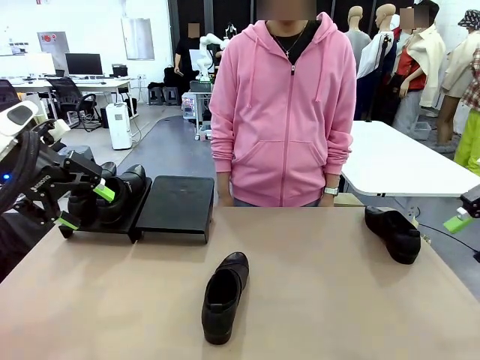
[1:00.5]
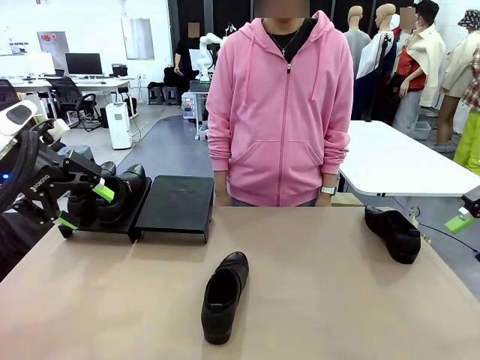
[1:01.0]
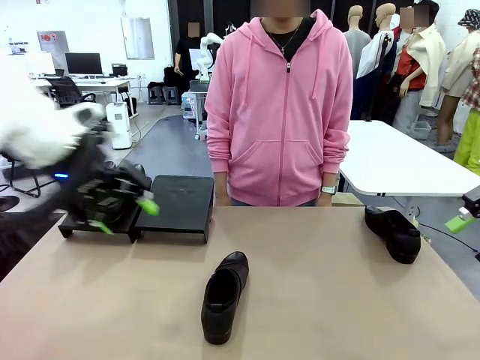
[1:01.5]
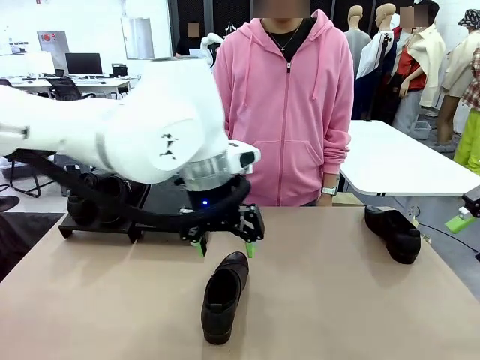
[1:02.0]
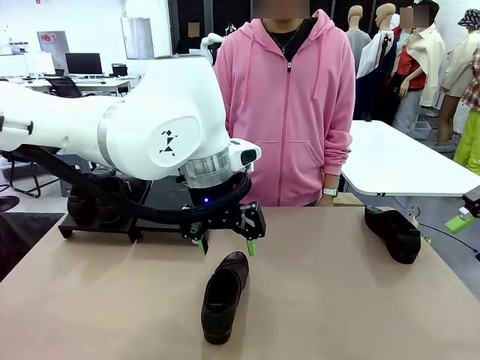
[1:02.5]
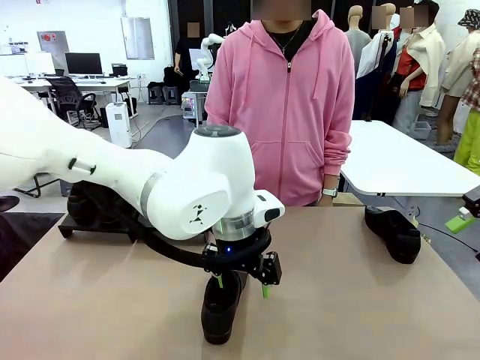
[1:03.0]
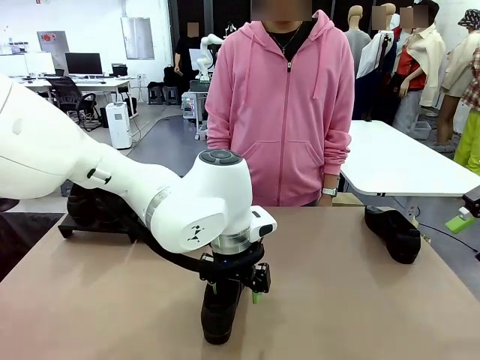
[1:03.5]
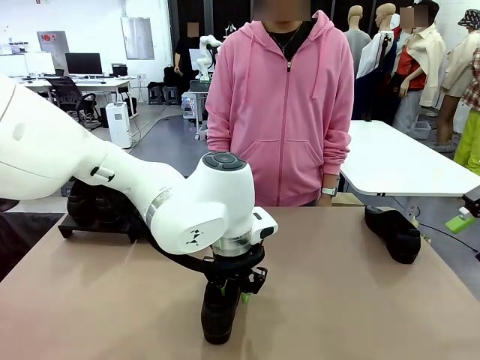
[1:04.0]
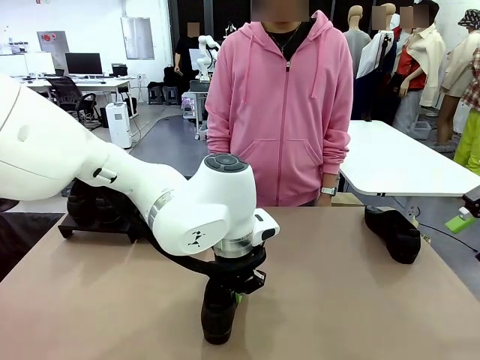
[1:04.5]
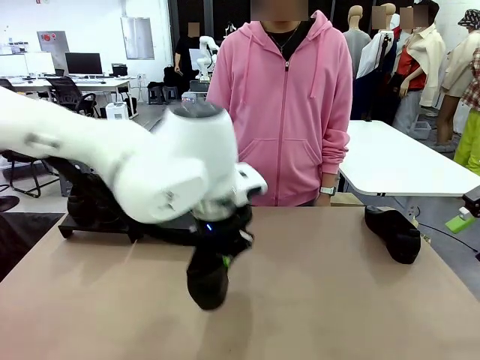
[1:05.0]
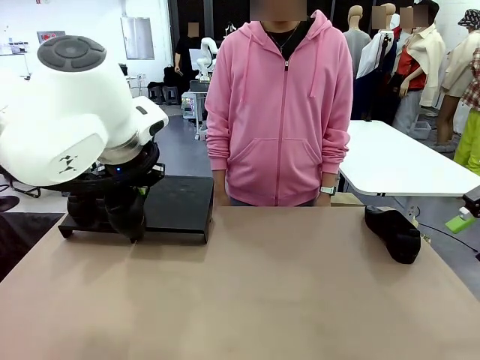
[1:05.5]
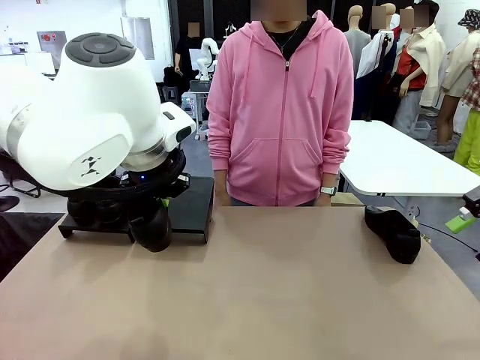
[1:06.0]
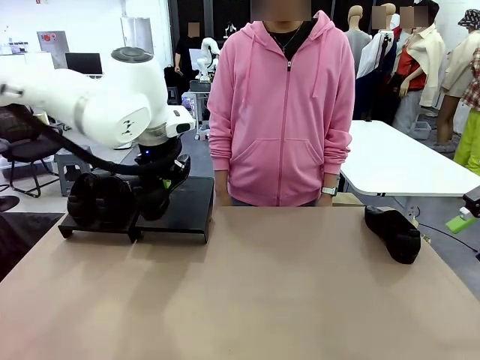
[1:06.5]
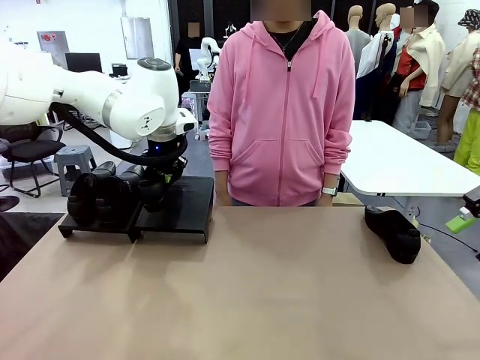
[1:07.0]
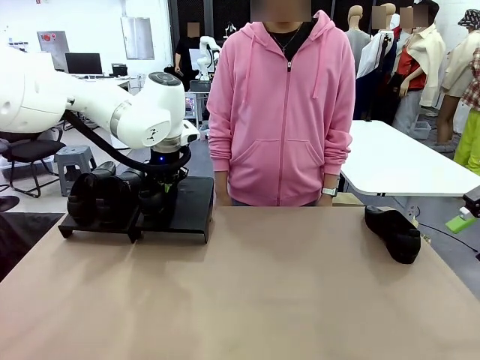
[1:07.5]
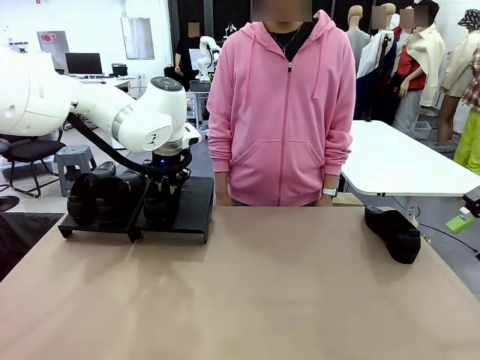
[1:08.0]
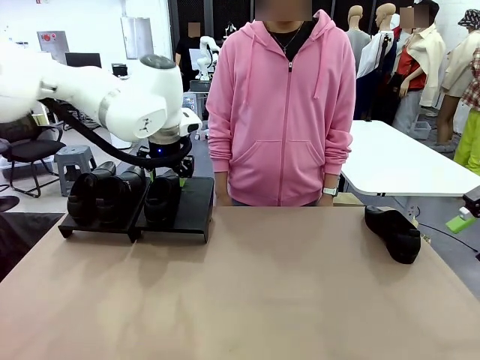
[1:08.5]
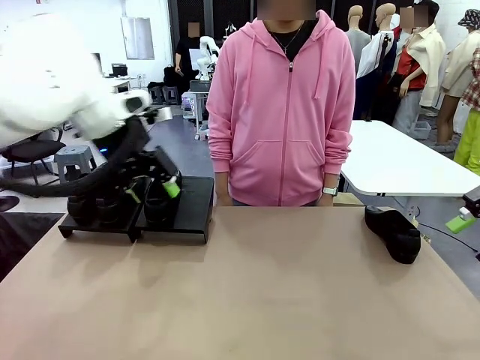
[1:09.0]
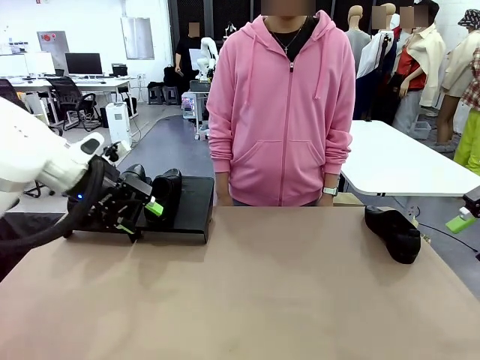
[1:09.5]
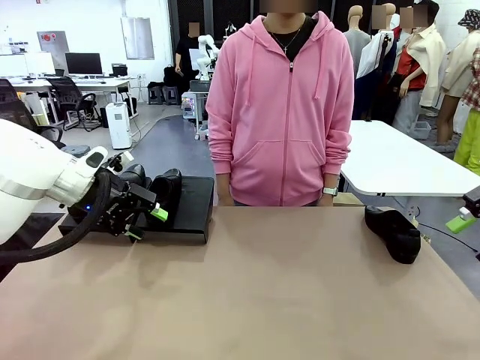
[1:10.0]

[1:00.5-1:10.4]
Task: Organize the shoes by placing them on the stand.
Robot: Place the Shoe from the middle of the table onto the Shoes Stand.

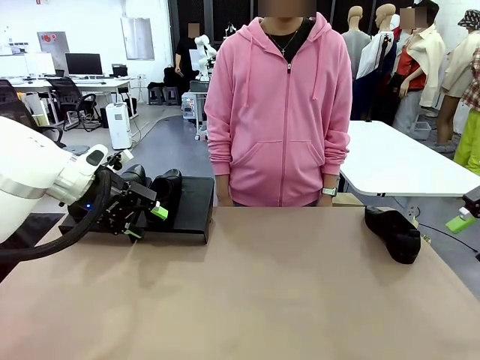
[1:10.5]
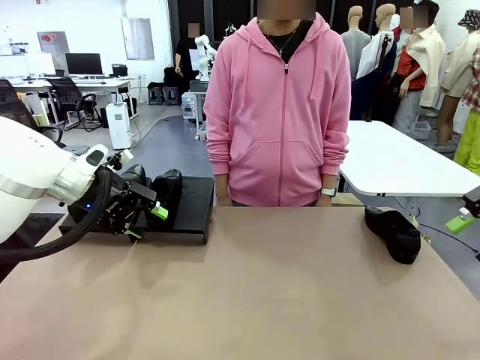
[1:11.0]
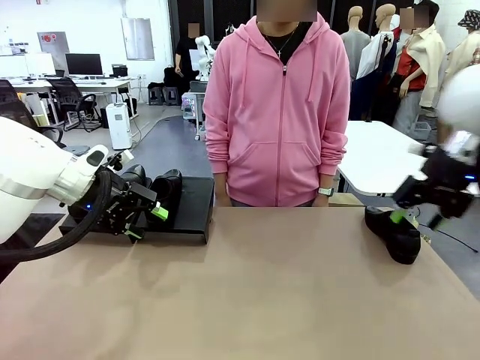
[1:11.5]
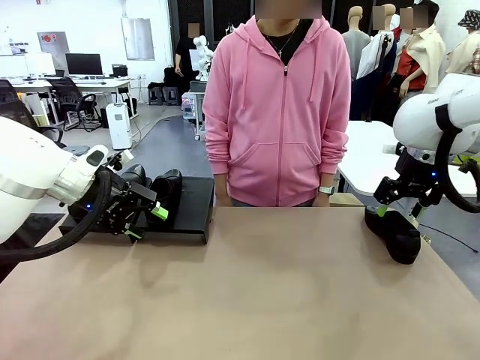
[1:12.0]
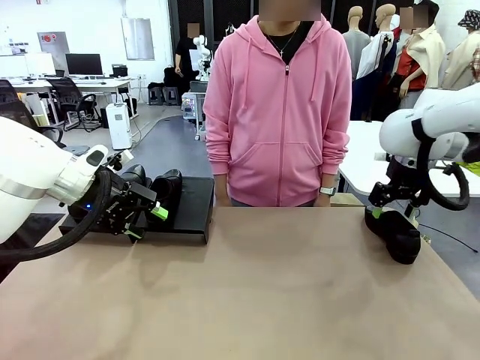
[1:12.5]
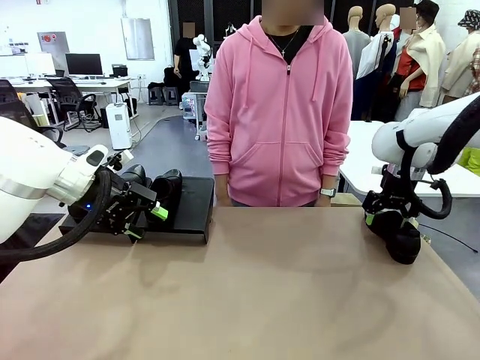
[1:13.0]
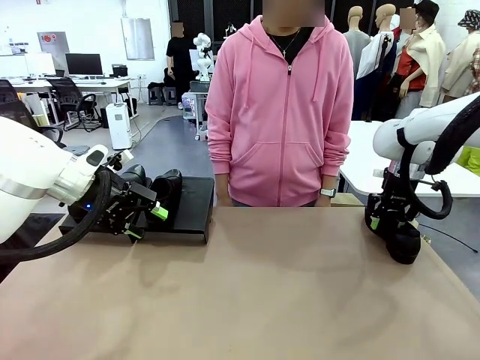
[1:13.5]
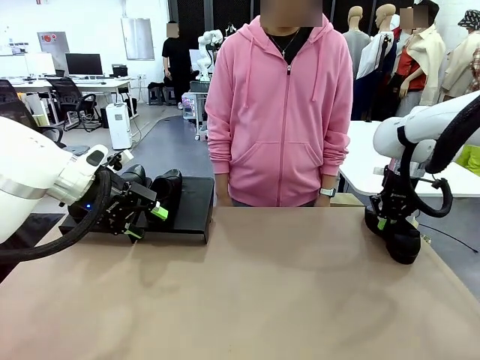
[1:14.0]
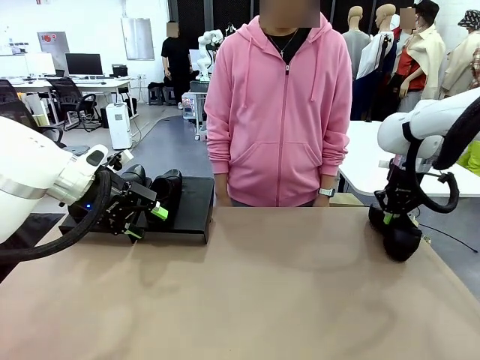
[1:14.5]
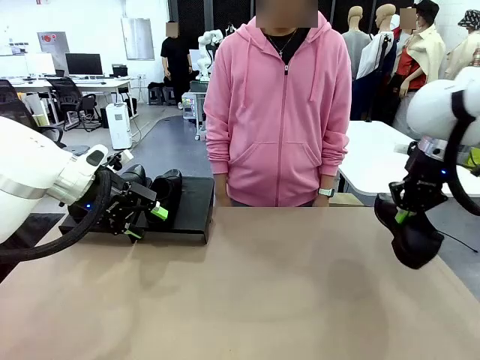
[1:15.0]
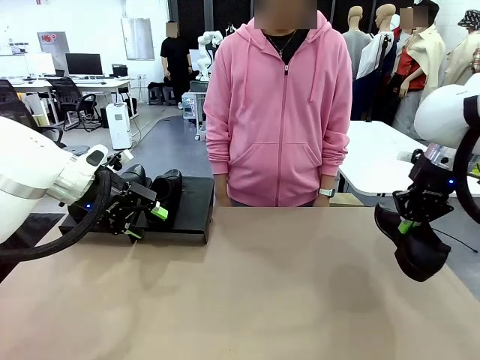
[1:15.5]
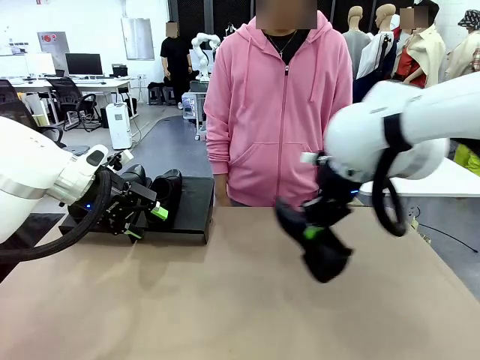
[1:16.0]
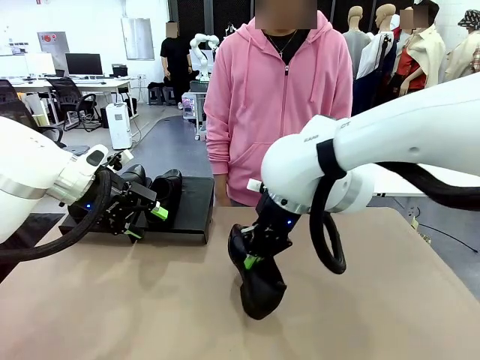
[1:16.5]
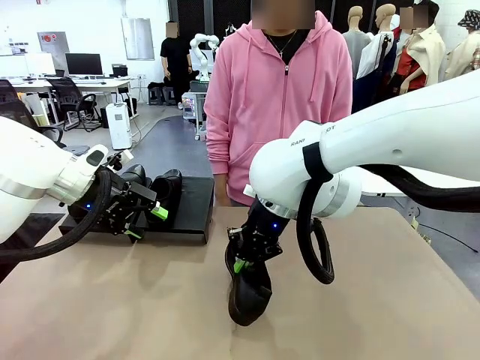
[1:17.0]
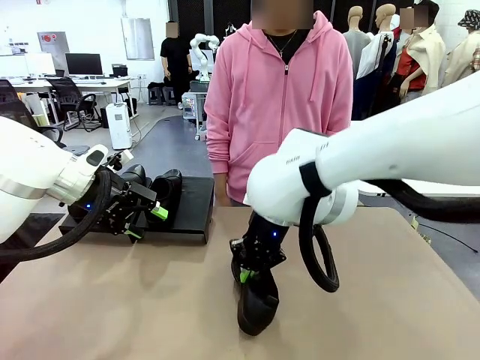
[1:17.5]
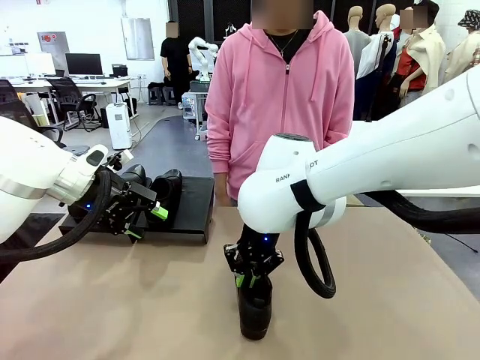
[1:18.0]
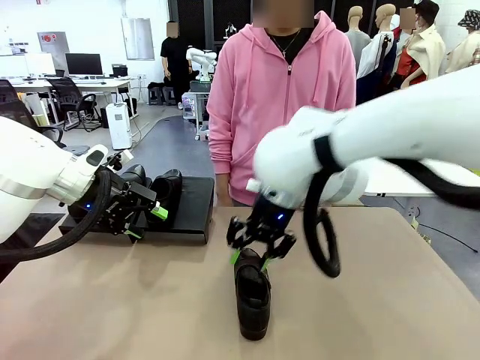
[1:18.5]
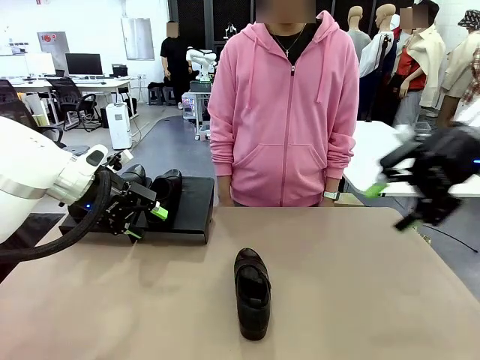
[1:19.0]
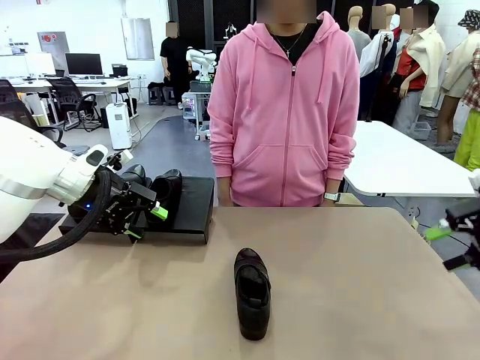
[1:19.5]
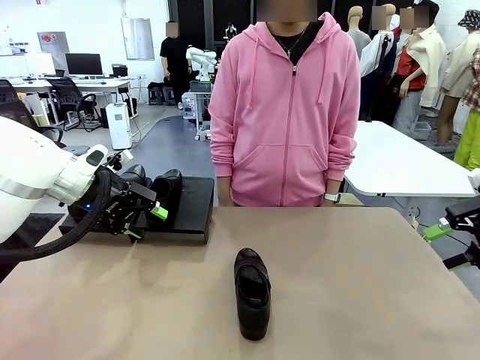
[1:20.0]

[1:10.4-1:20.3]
Robot: Pick up one Shoe and place it in the middle of the table.

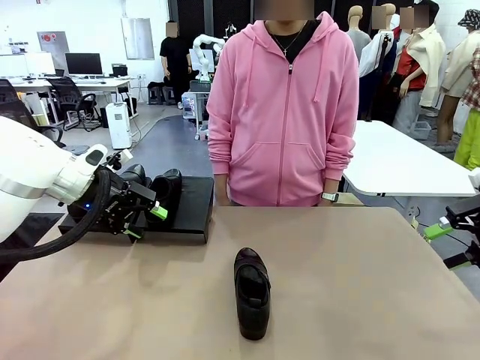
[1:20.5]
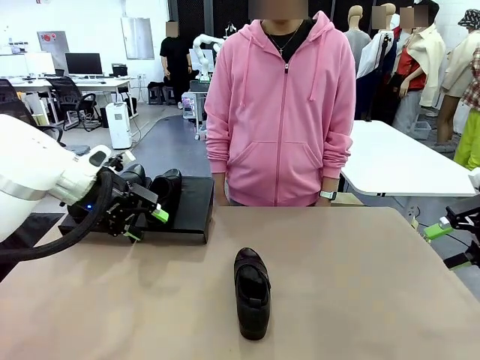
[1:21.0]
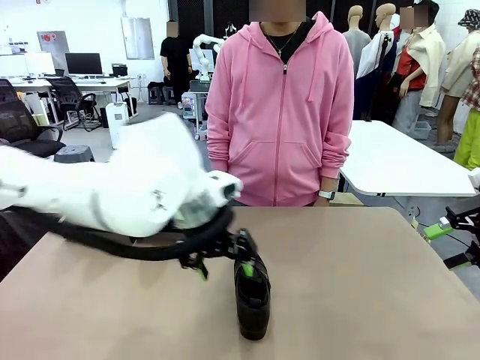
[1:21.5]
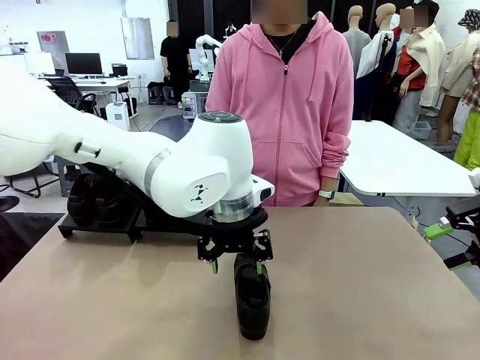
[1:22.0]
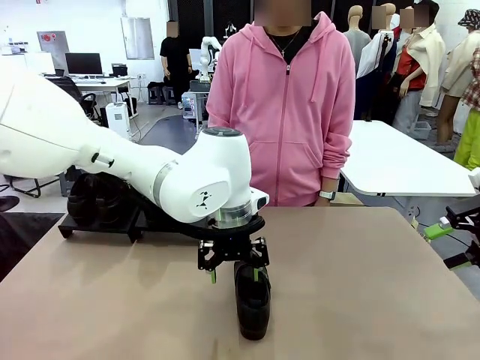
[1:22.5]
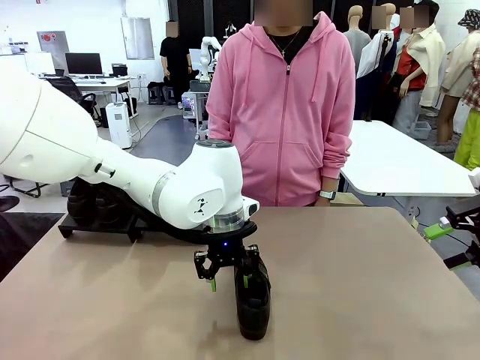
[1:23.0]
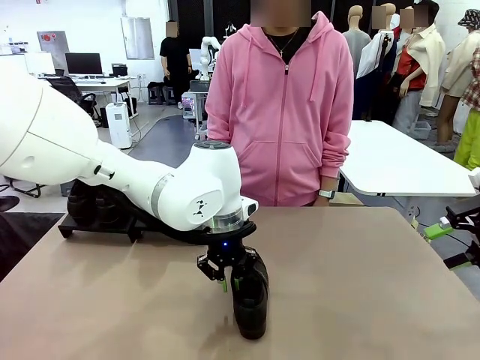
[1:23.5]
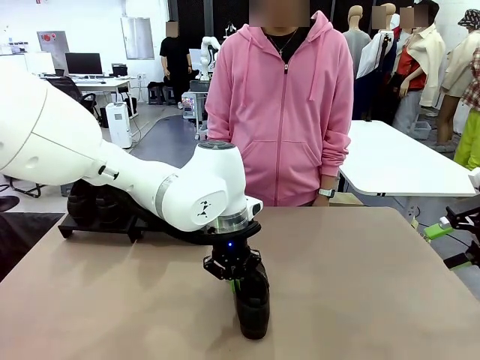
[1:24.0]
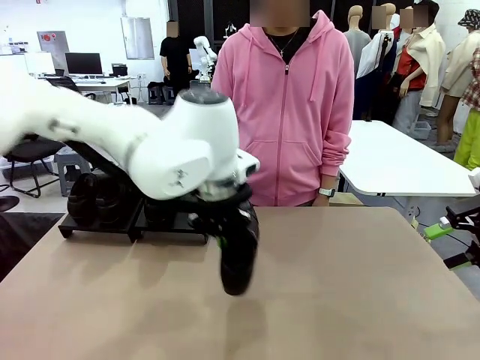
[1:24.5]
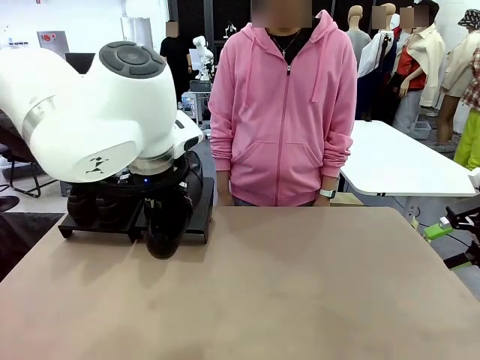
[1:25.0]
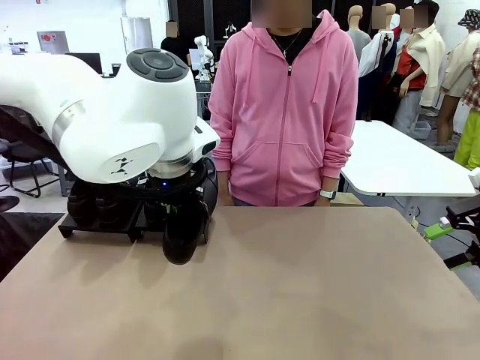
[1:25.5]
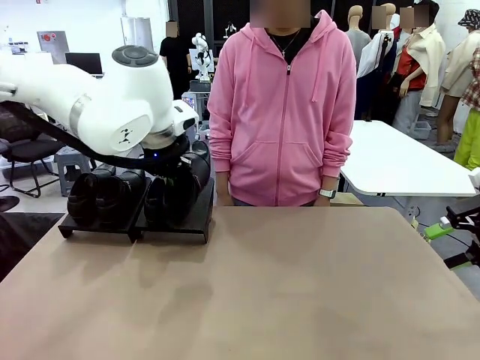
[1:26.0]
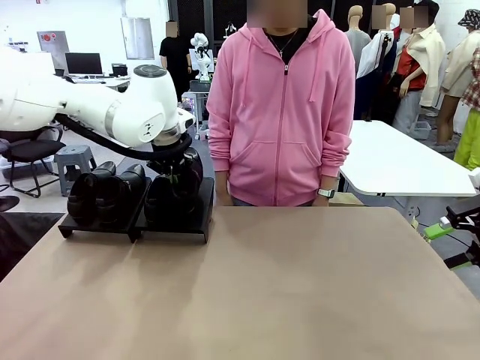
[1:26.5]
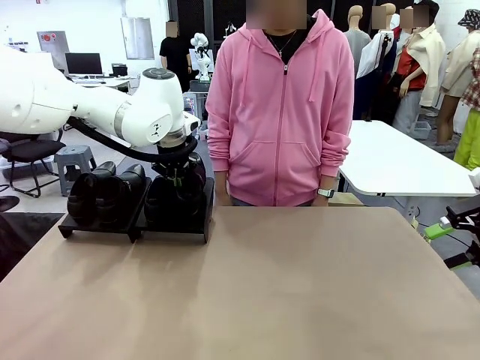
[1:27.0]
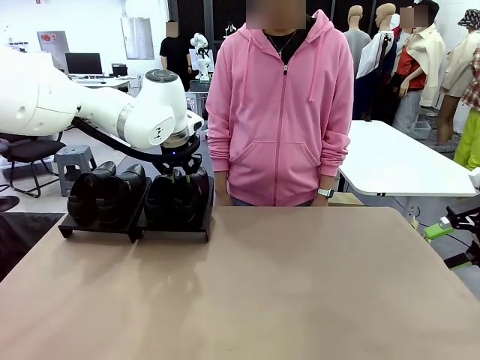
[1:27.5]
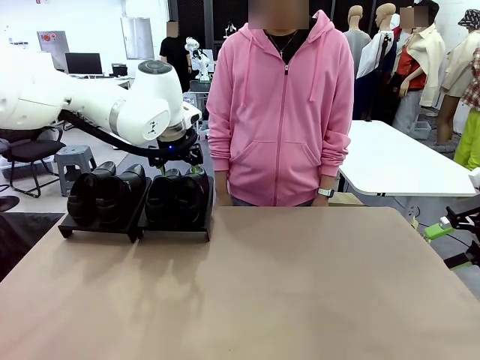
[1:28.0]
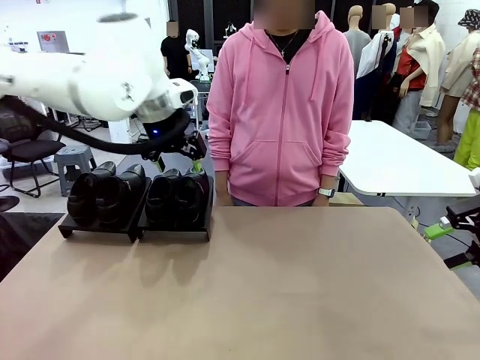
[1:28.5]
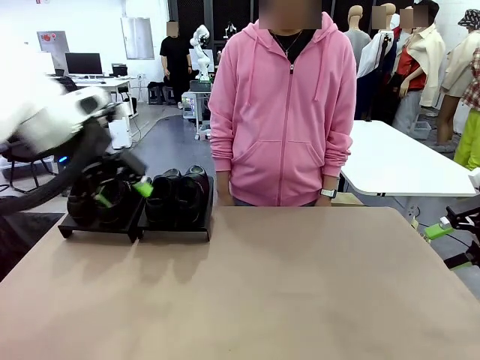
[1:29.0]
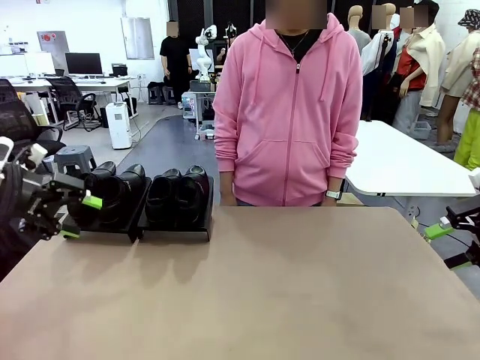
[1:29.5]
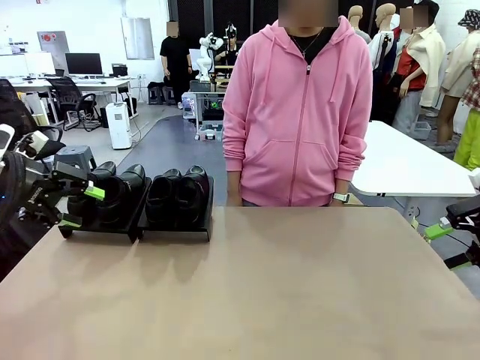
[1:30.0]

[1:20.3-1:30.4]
Robot: Place the Shoe from the middle of the table onto the Shoes Stand.
